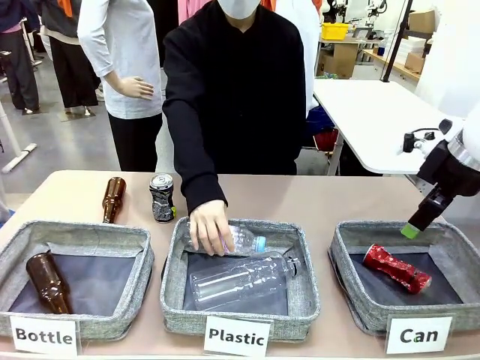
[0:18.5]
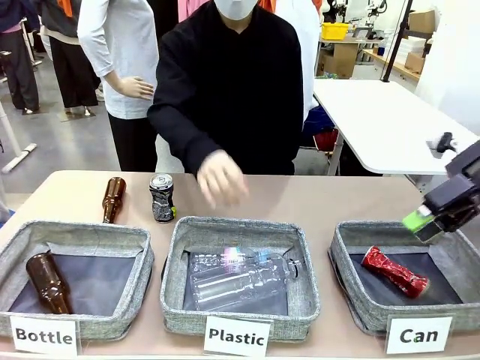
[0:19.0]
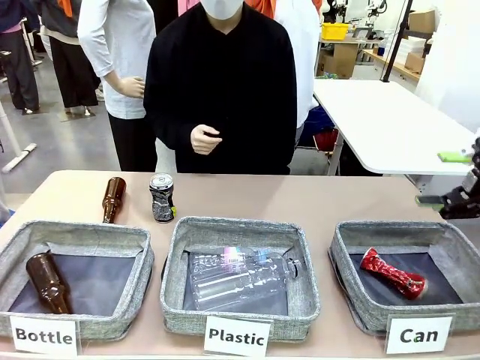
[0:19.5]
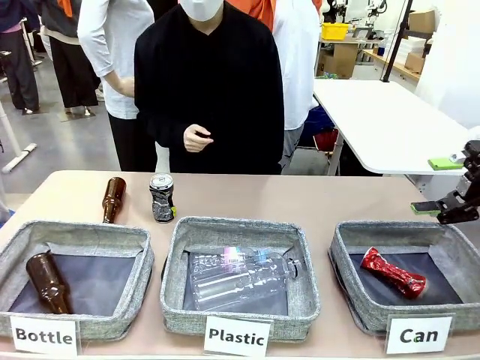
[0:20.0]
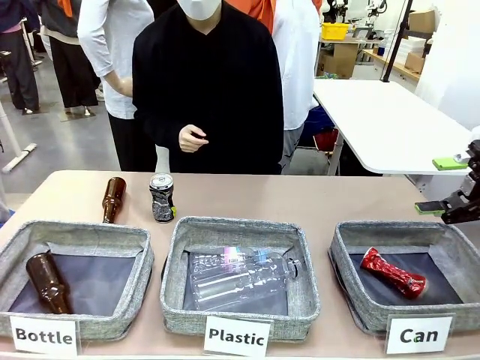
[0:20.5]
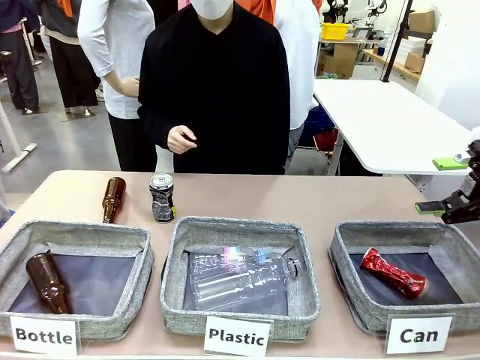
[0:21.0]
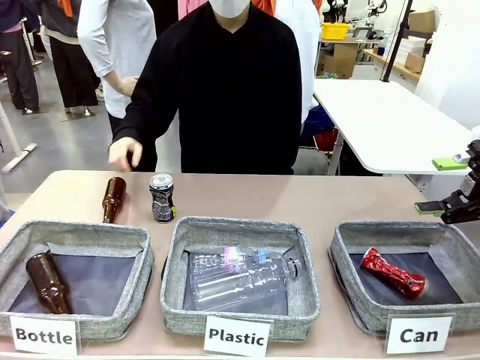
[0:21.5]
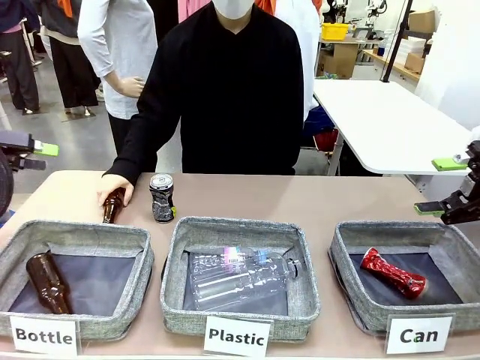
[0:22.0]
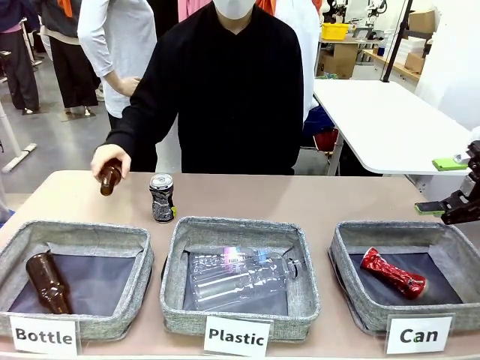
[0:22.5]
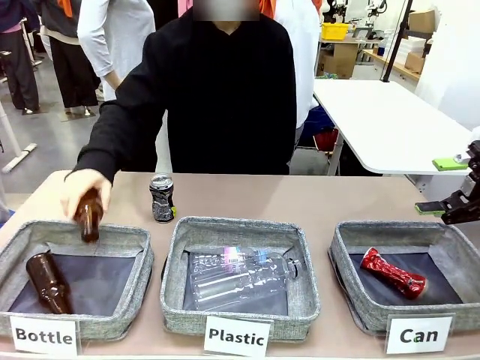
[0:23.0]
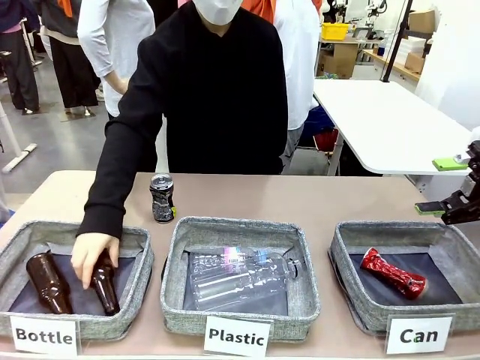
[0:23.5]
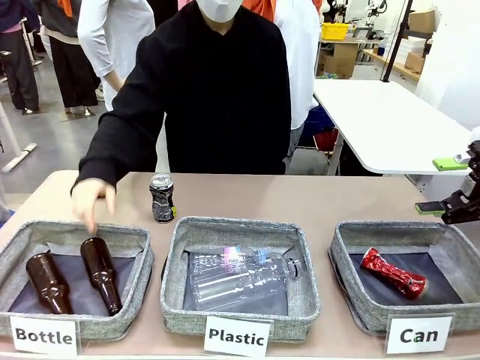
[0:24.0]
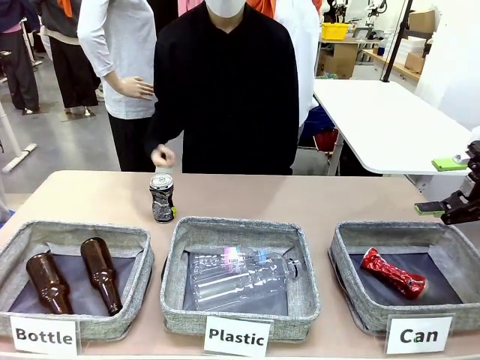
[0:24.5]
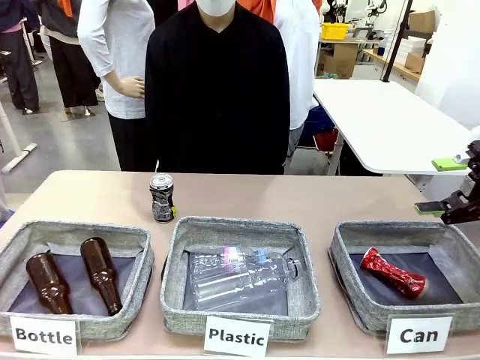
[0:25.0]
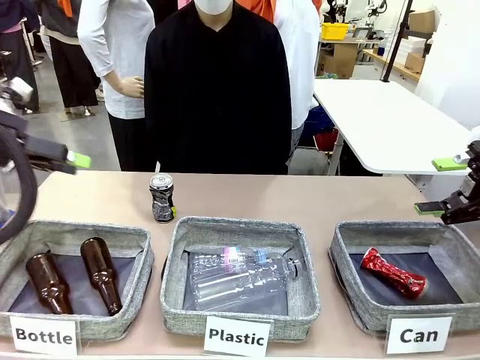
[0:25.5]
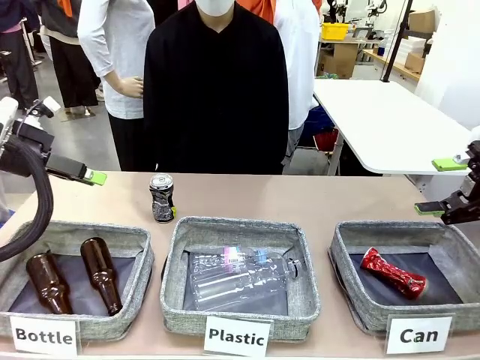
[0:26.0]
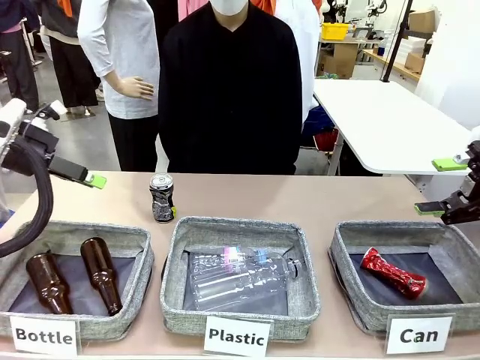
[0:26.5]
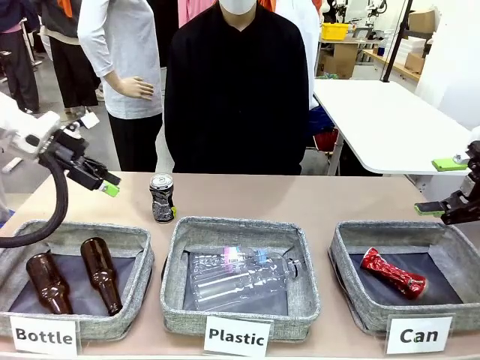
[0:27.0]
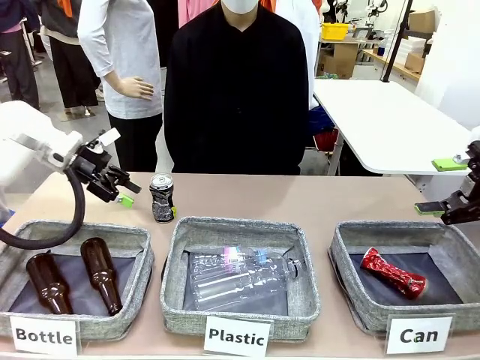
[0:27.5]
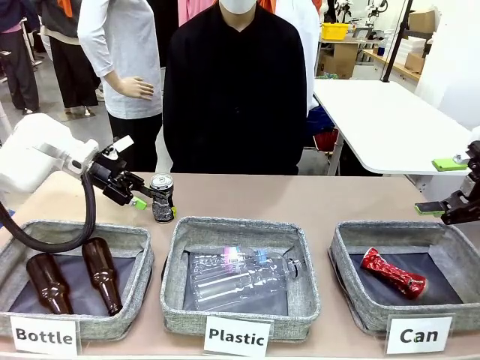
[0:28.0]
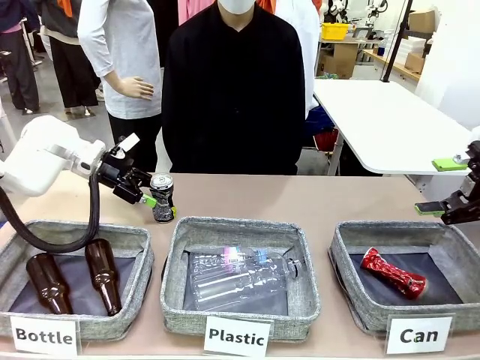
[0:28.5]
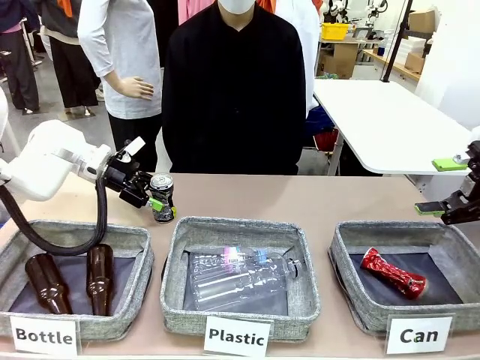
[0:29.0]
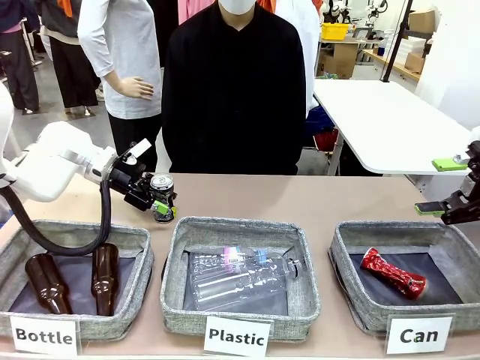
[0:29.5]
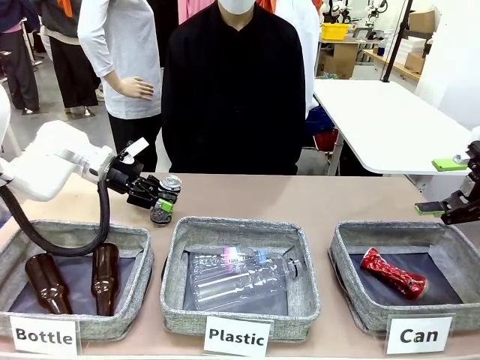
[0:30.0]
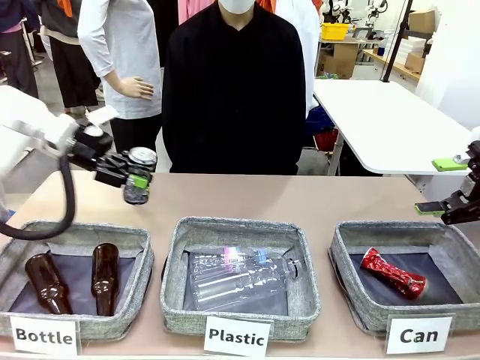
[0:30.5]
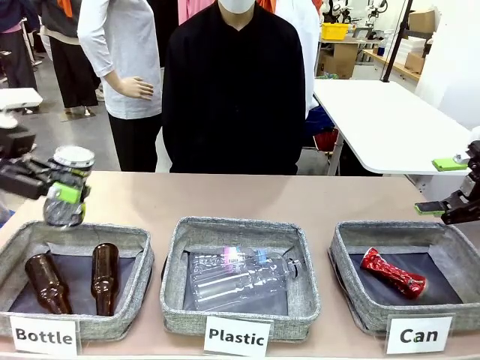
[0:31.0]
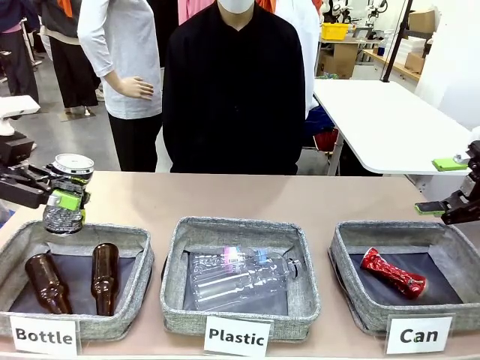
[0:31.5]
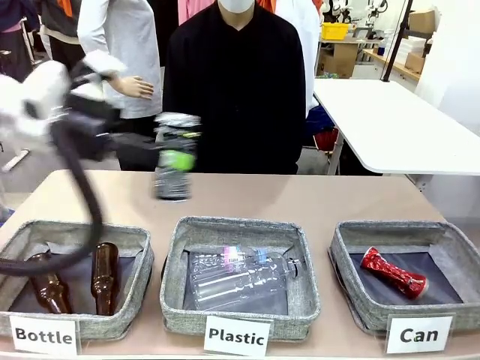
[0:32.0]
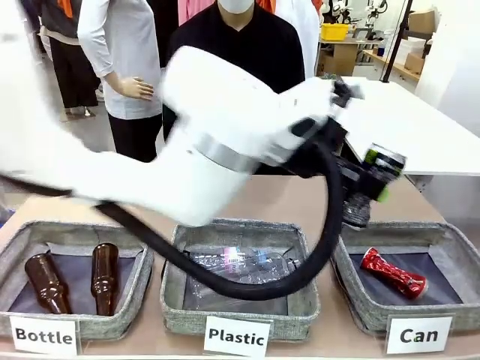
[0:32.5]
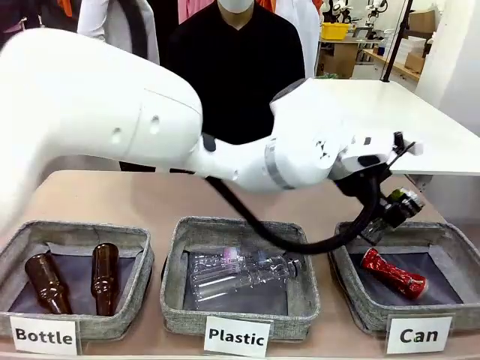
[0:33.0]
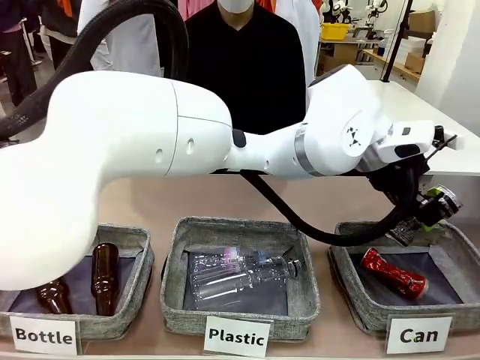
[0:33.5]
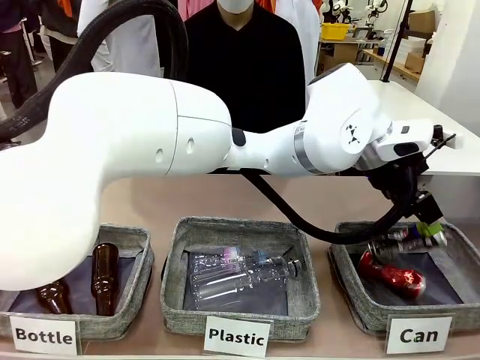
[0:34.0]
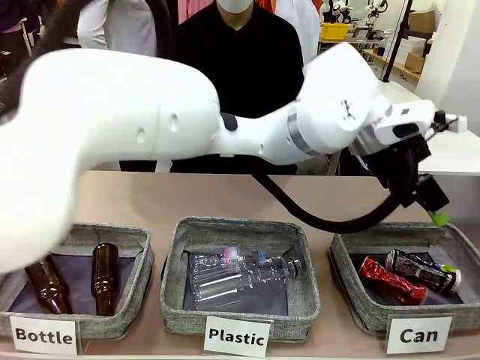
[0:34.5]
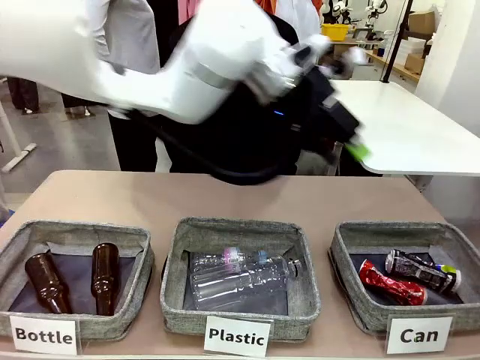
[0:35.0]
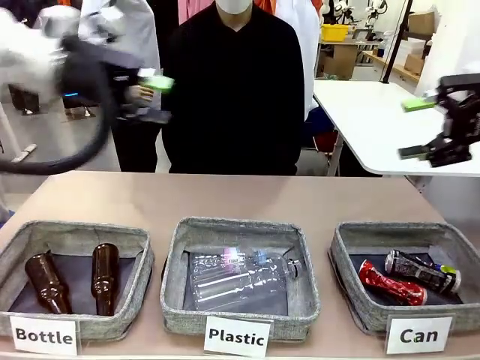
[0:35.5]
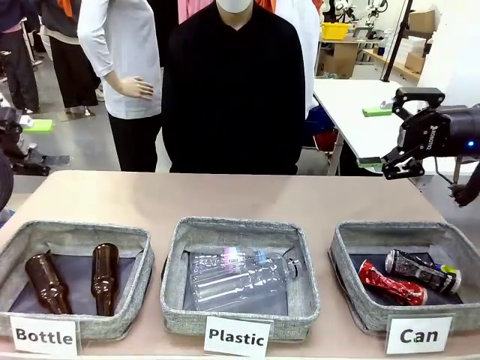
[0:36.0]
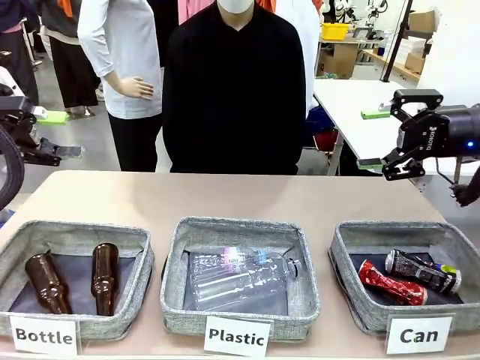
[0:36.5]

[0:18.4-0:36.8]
Task: Sort the can waste into the basket.
Robot: Pick up the can waste from the table and place it in the right Fabric basket.

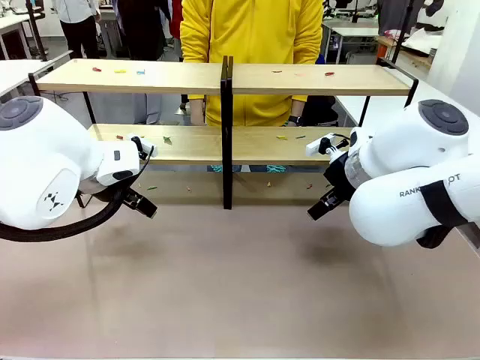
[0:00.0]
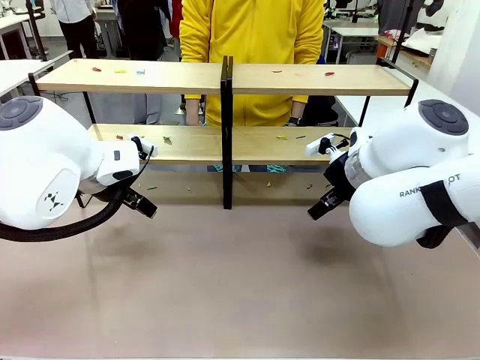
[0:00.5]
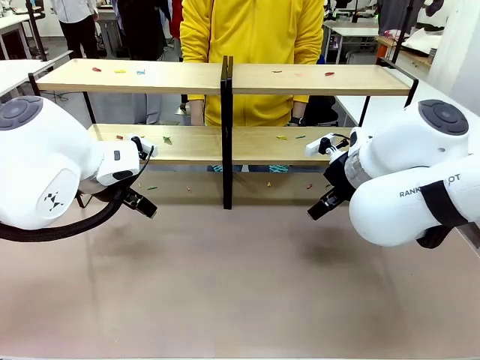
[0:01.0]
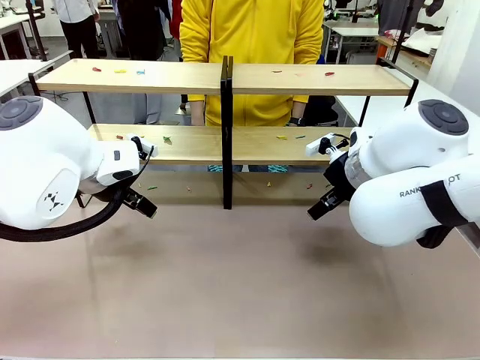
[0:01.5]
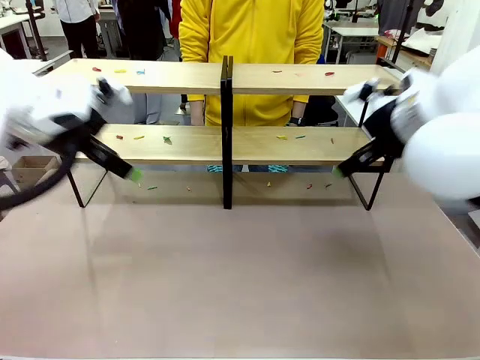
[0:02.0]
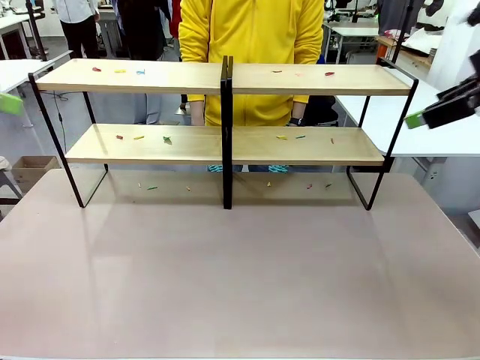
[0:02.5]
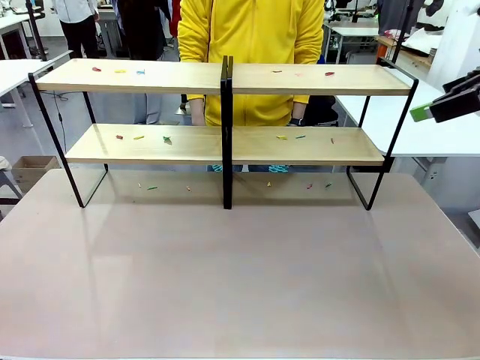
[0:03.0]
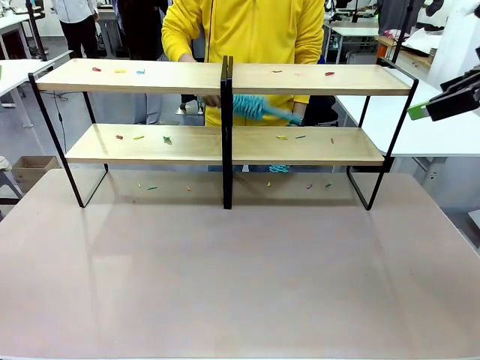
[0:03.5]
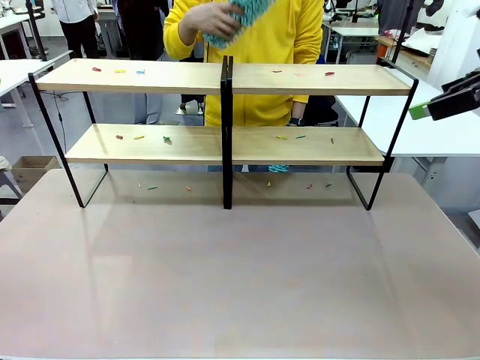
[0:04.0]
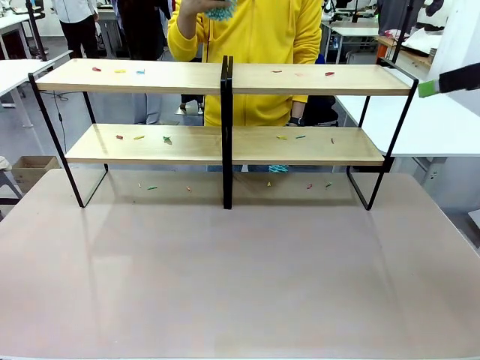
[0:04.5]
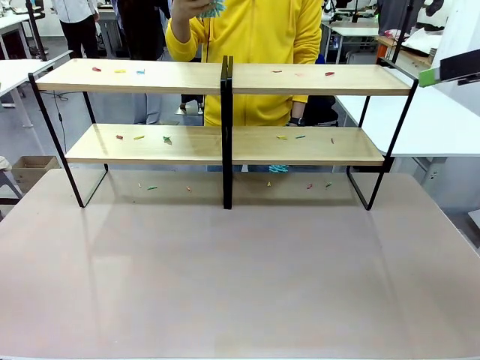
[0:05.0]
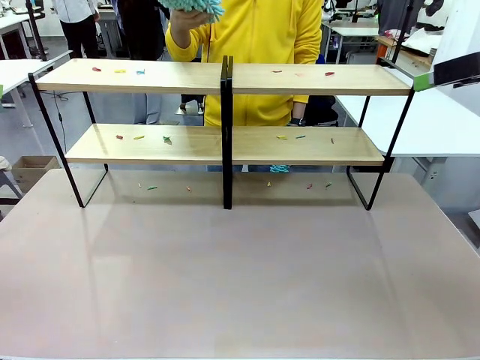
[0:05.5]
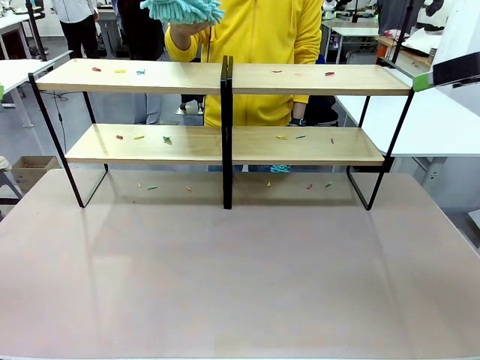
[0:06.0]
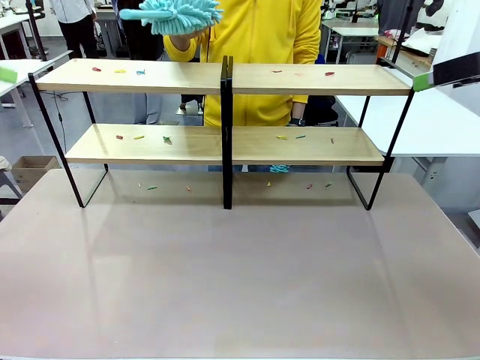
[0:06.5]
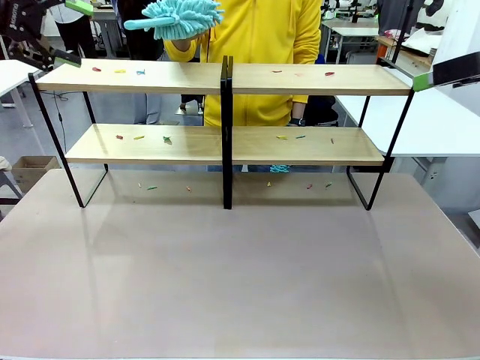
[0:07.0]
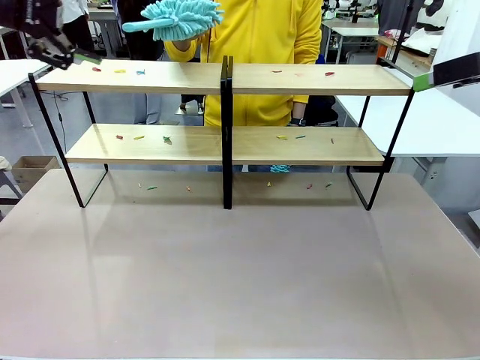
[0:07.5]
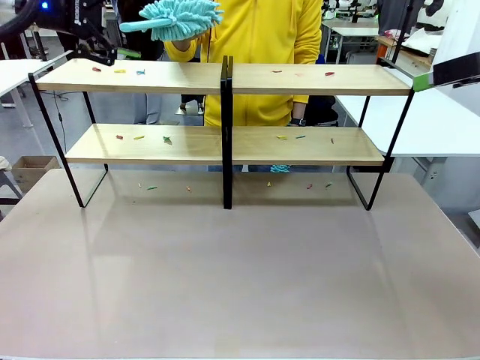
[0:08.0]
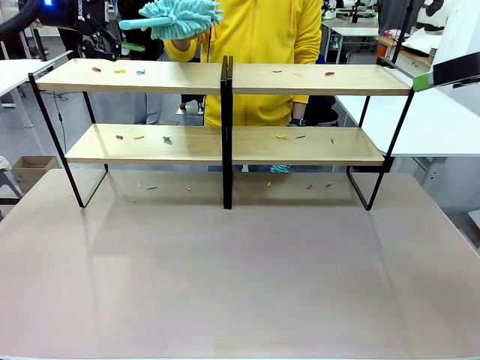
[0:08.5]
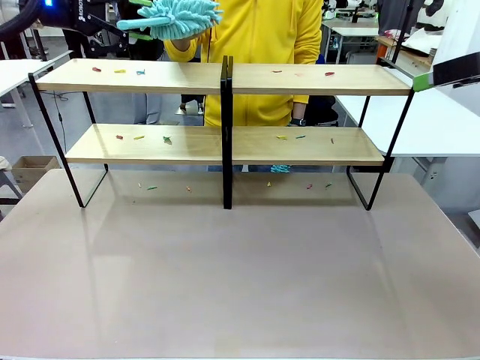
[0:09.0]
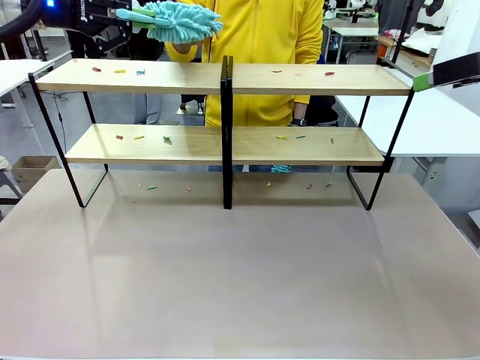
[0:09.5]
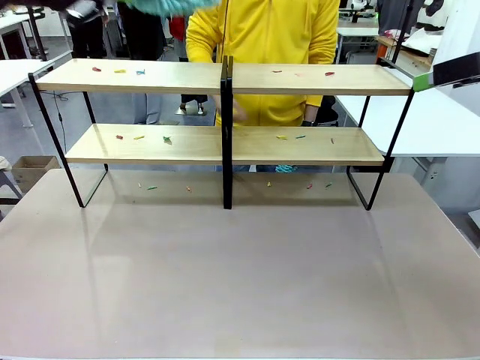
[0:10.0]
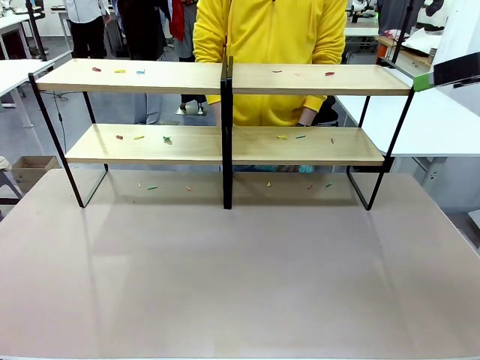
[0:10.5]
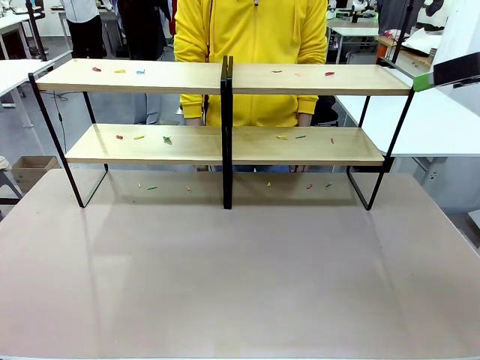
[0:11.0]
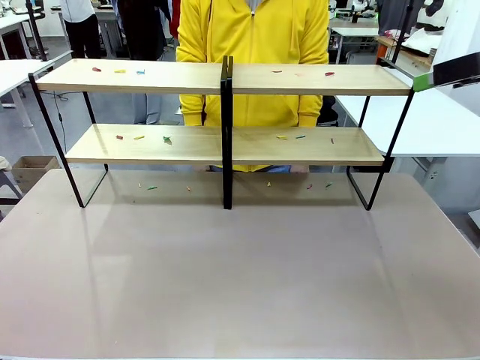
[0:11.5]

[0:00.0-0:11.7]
Task: Clean the shelves.
Robot: Pick up the Duster when the human hands it over.
Person: Hand the Duster to the robot with your right (or left) hand.
